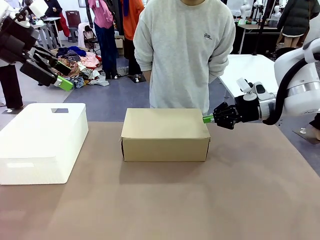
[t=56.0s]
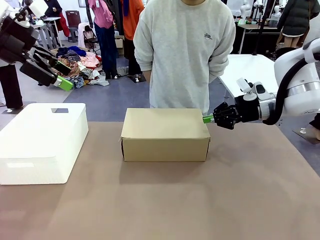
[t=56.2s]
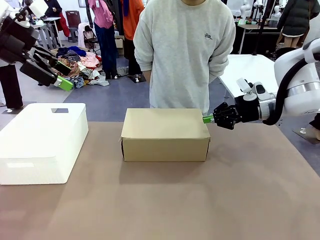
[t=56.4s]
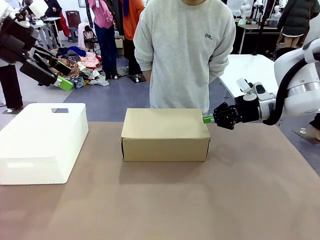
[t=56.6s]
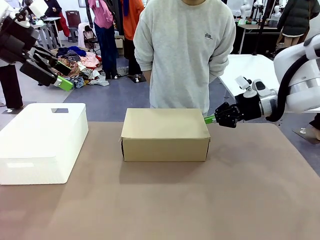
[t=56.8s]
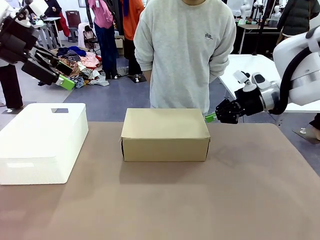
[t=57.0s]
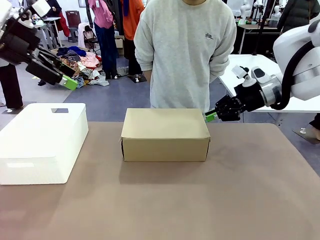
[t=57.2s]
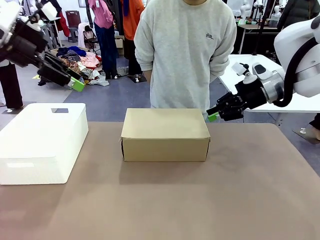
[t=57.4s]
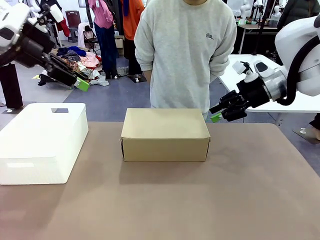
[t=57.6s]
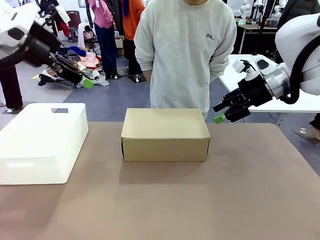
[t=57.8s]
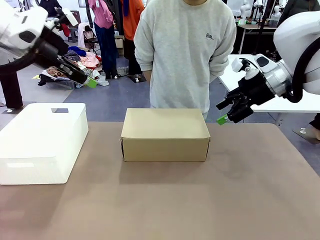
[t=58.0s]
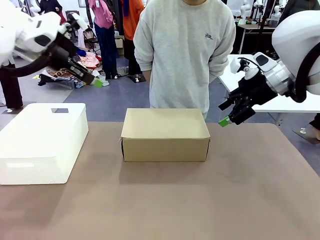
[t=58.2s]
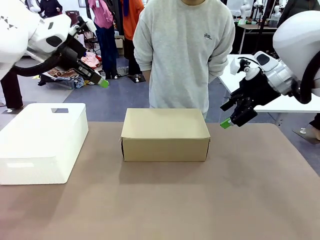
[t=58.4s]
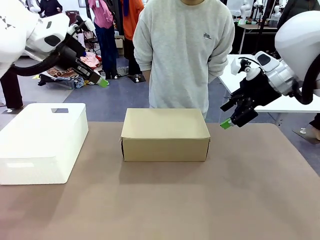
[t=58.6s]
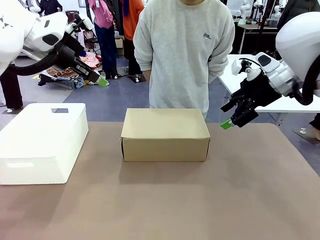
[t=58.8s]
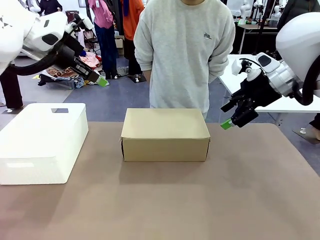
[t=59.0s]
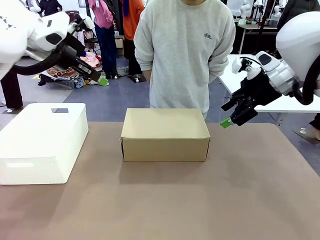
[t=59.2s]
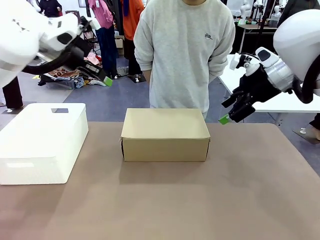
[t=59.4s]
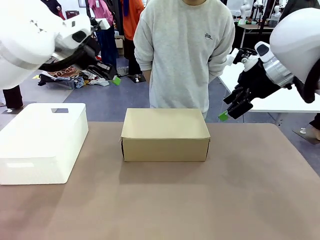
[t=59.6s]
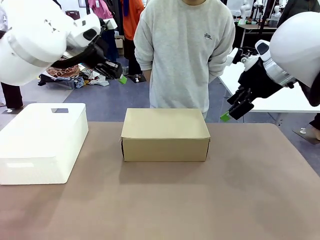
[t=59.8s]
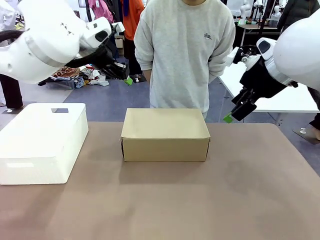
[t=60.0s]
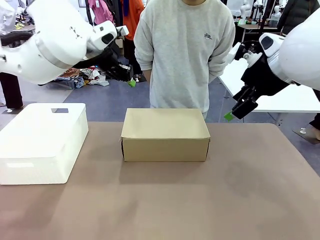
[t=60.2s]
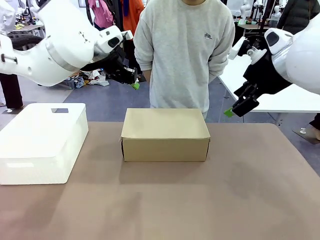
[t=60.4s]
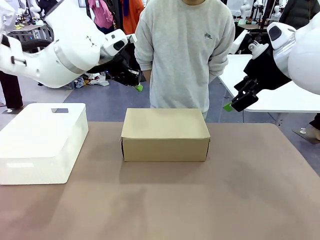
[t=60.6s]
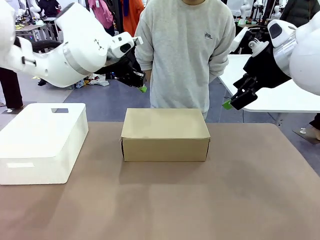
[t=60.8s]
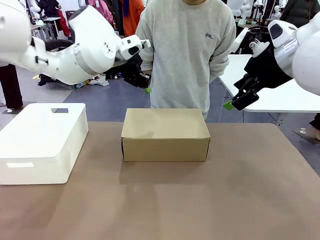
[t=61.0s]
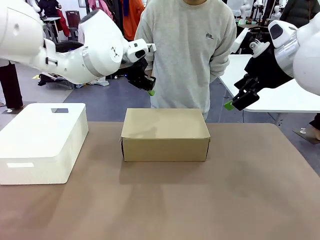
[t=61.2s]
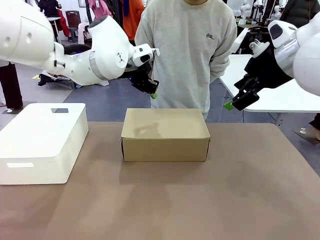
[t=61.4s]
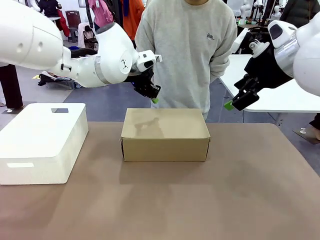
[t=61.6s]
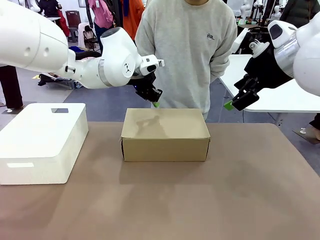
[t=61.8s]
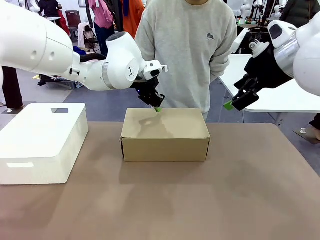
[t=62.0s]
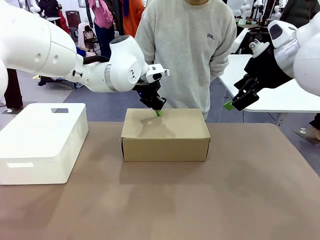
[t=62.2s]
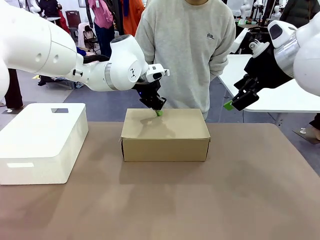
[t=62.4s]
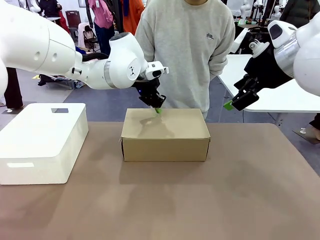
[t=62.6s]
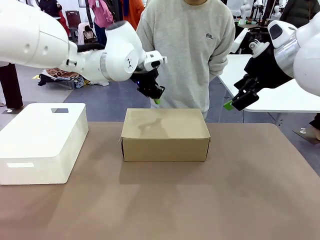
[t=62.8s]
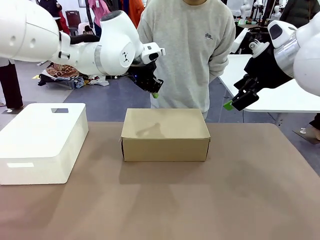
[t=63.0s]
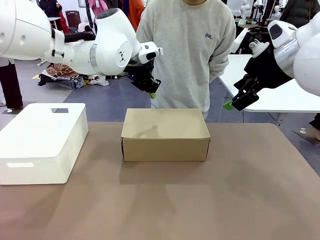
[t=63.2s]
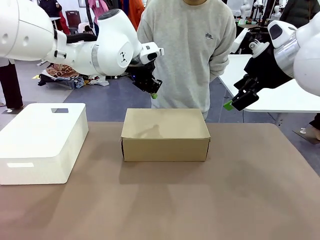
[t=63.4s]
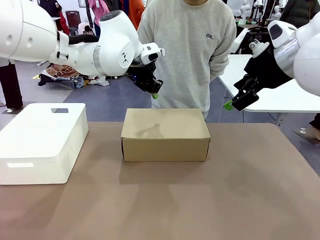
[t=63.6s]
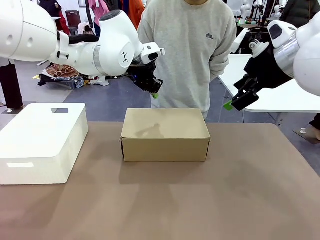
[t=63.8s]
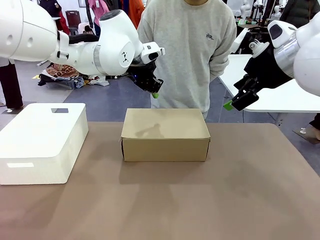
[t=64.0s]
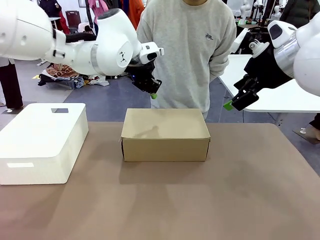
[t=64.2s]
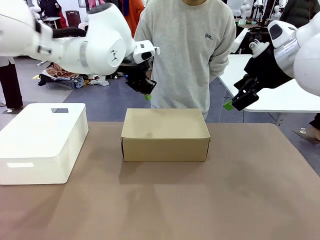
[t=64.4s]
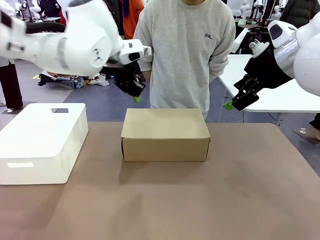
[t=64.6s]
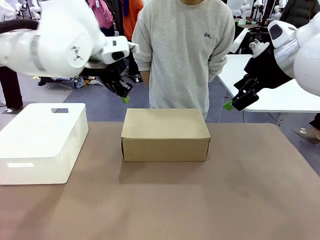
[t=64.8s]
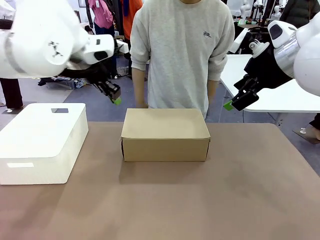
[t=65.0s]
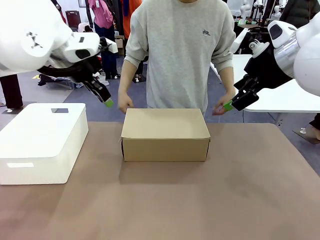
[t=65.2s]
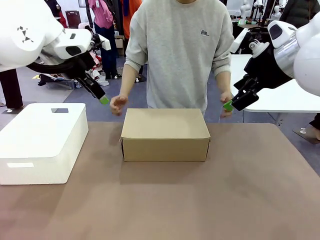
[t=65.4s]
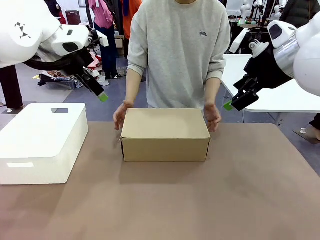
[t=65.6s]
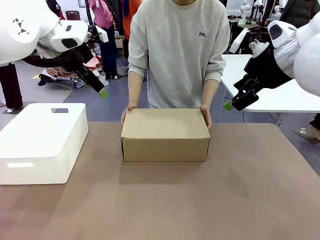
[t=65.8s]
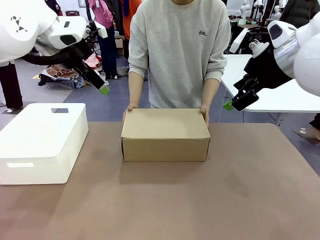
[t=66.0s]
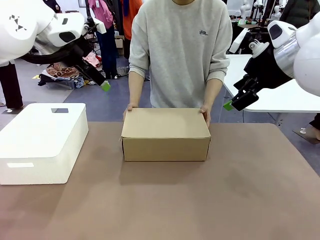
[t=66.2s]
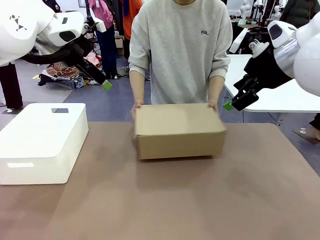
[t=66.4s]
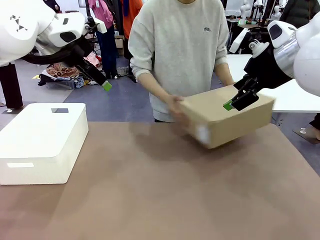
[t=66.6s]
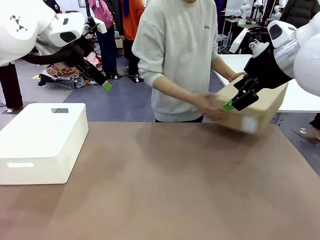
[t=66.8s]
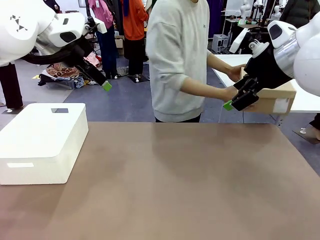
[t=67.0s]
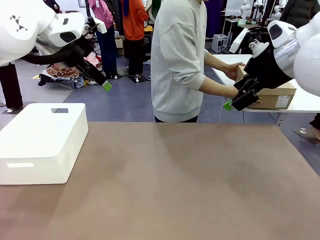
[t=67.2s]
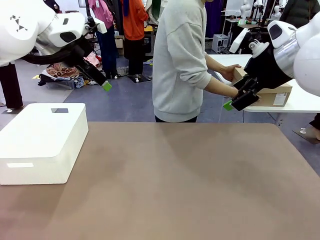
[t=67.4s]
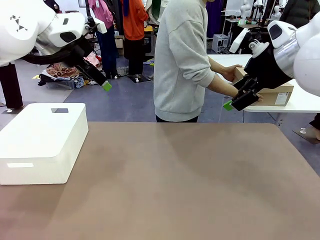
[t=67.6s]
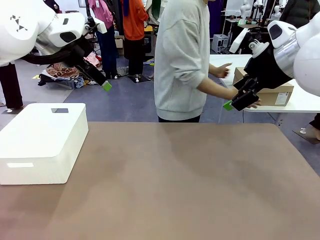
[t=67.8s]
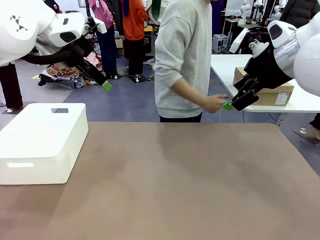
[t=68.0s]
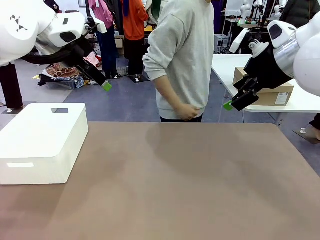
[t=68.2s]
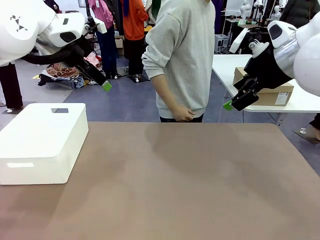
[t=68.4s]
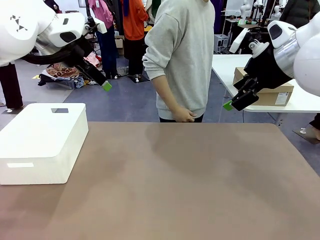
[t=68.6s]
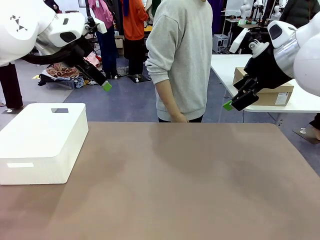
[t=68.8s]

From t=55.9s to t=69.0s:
Task: Pack the shoes into the box.
Robot: Press down on the lid of the Shoes Box.
Person: Place the closed Shoes Box to the right side of the human table.
